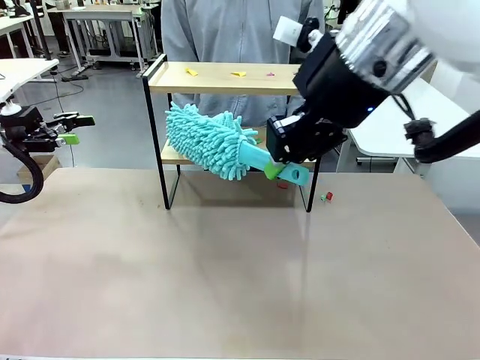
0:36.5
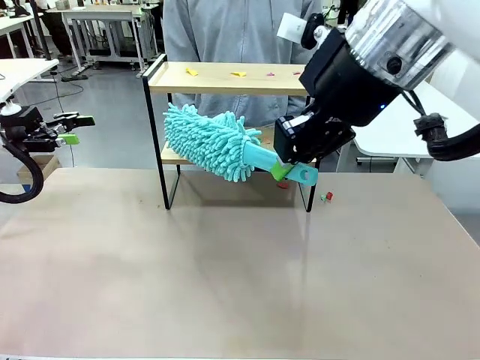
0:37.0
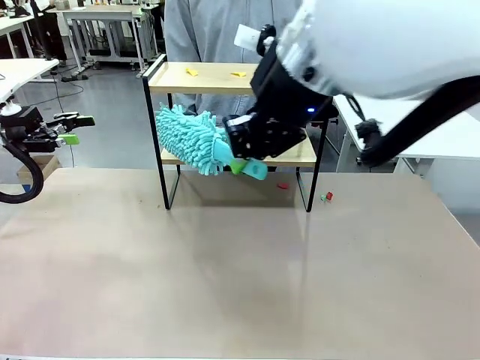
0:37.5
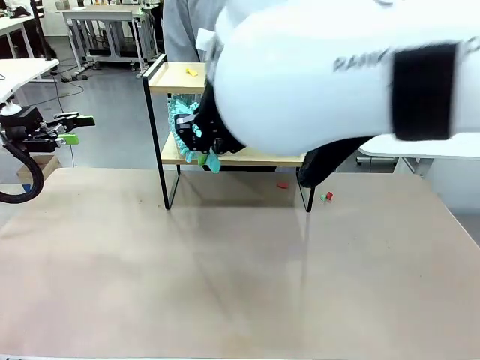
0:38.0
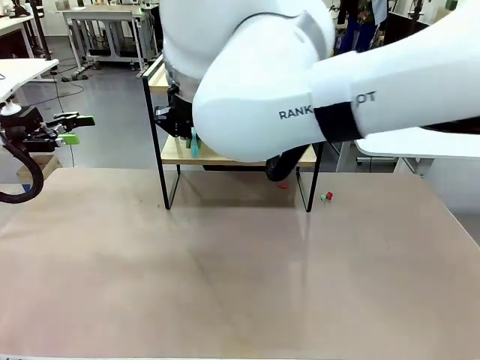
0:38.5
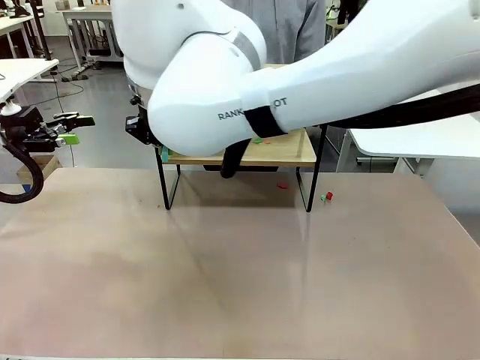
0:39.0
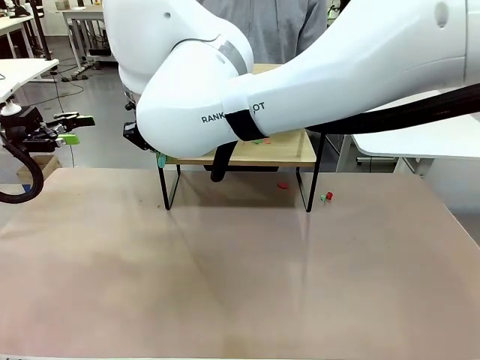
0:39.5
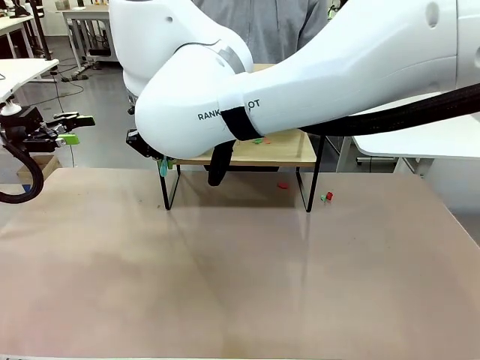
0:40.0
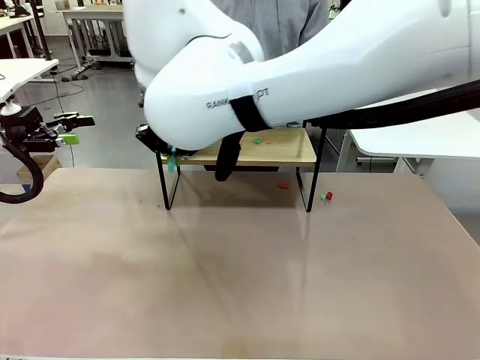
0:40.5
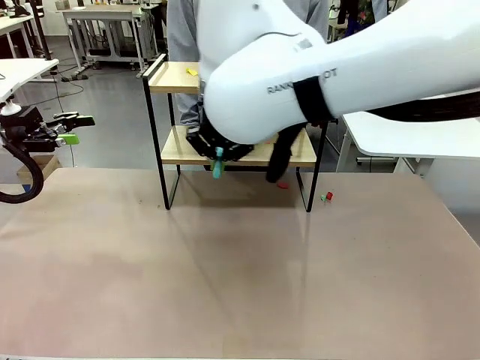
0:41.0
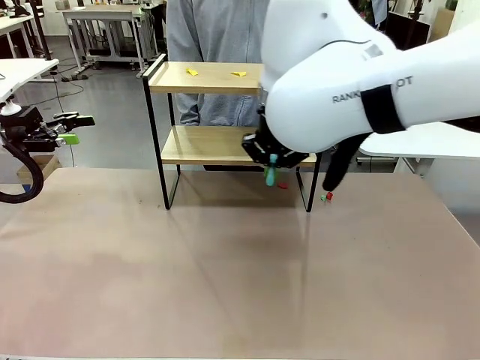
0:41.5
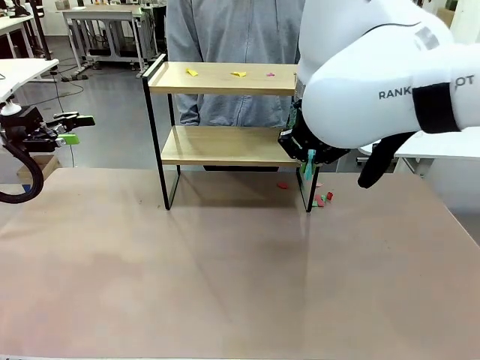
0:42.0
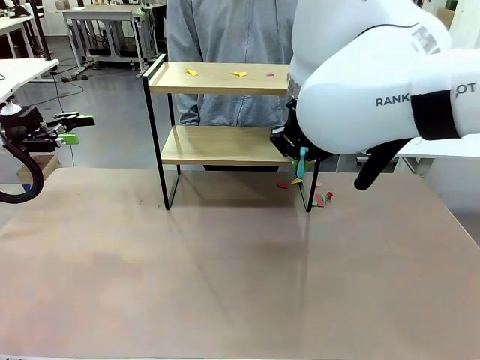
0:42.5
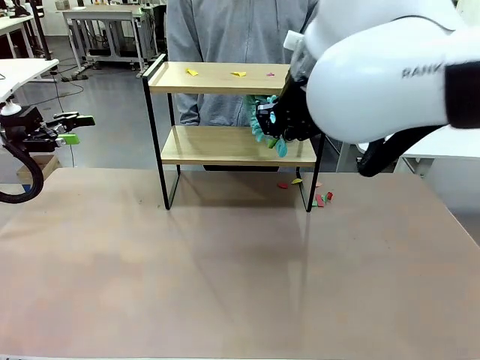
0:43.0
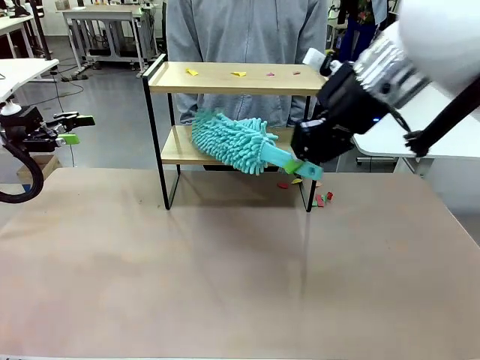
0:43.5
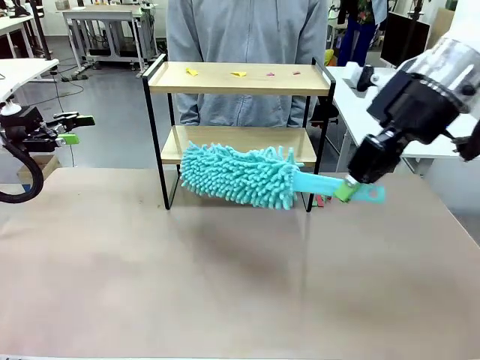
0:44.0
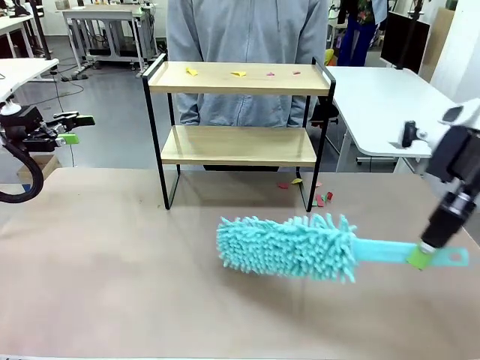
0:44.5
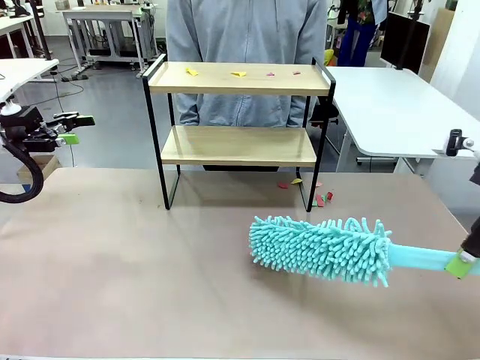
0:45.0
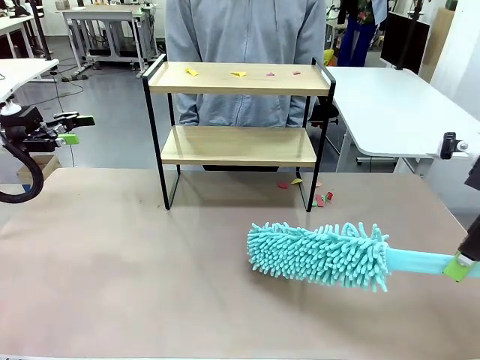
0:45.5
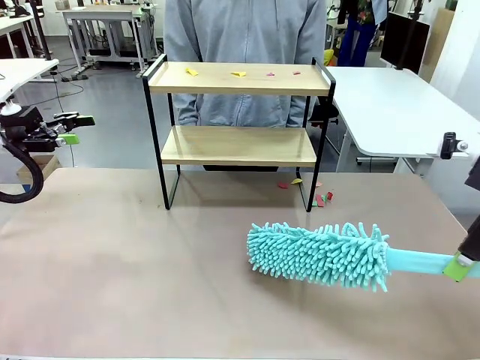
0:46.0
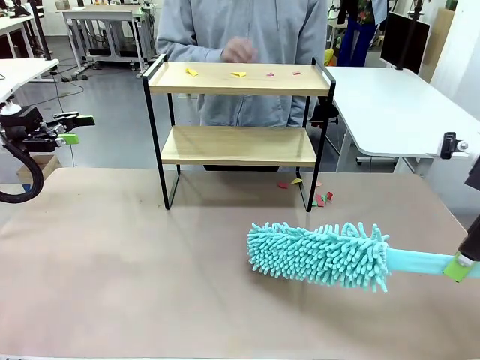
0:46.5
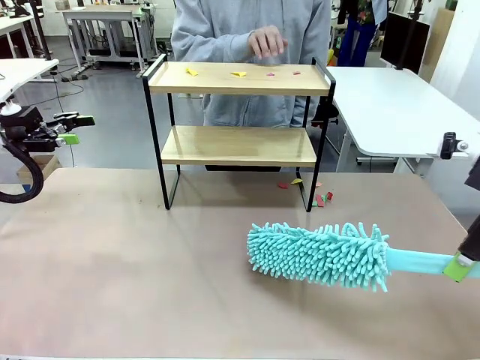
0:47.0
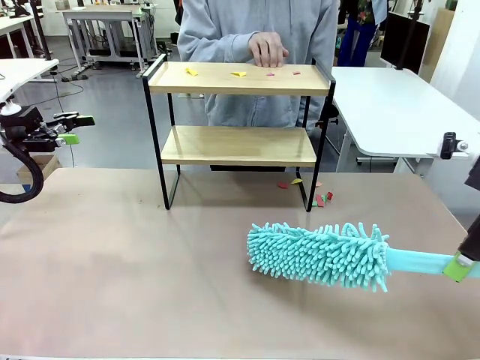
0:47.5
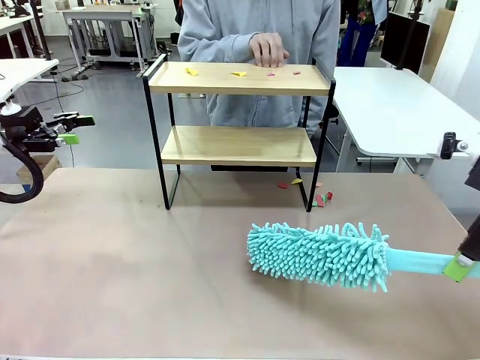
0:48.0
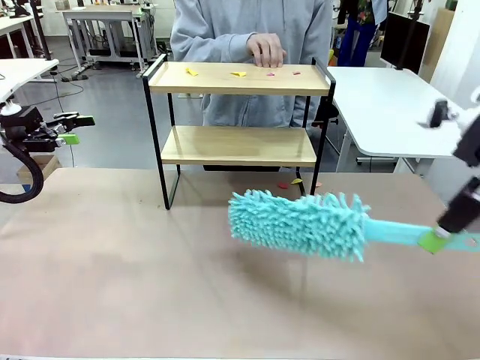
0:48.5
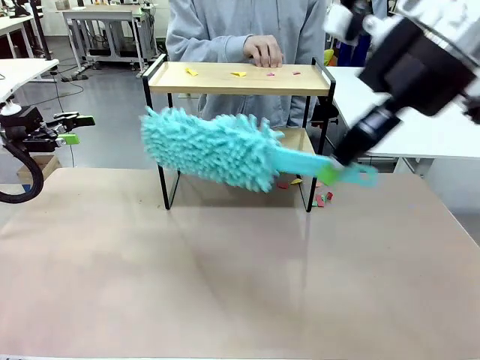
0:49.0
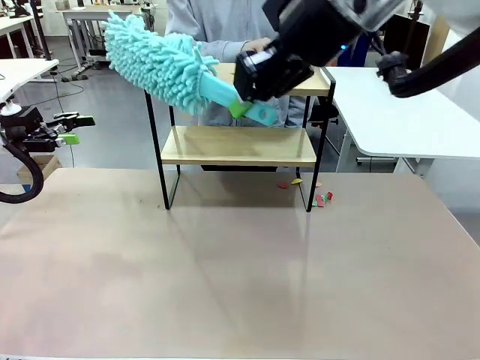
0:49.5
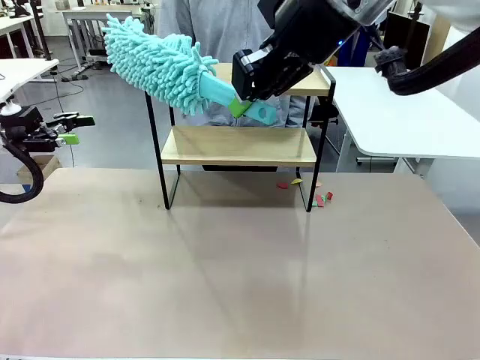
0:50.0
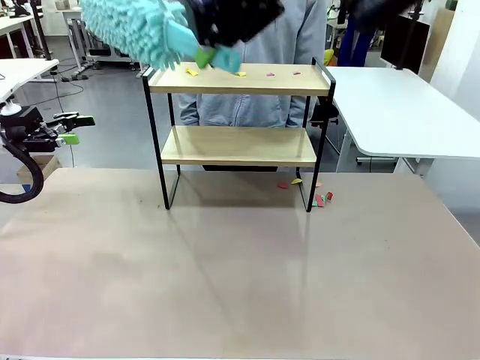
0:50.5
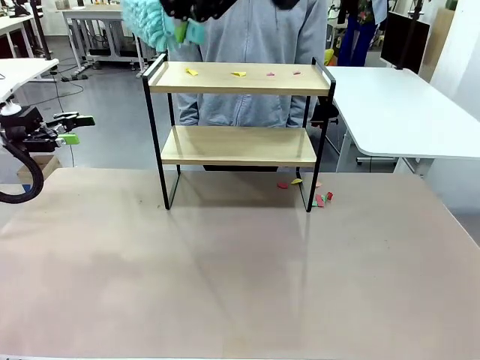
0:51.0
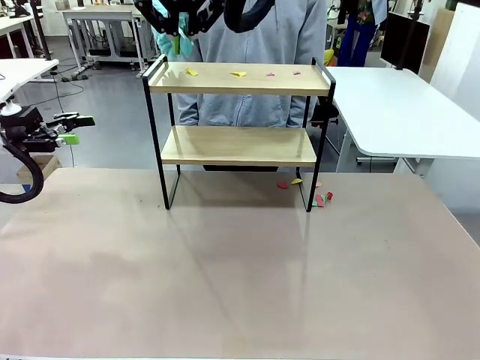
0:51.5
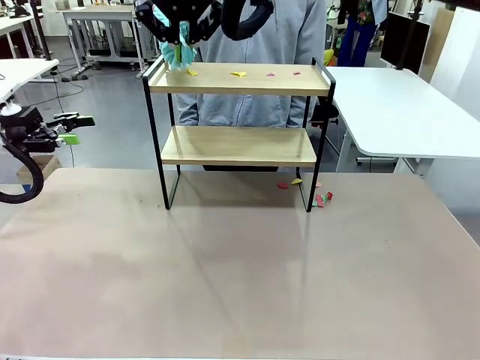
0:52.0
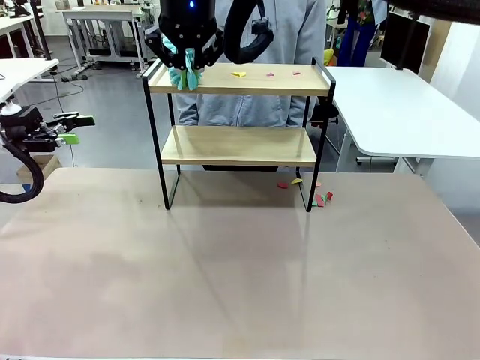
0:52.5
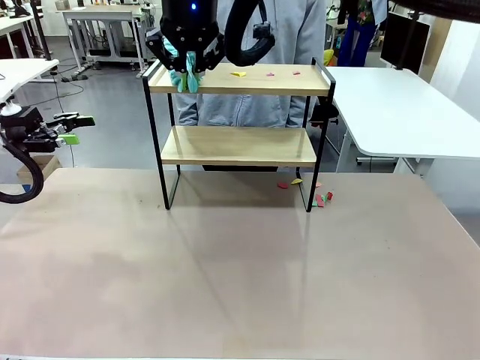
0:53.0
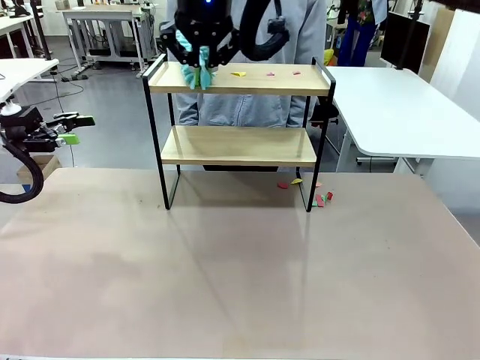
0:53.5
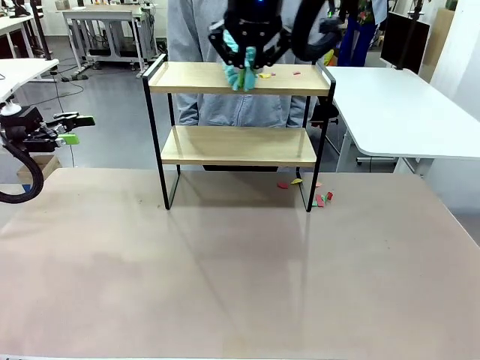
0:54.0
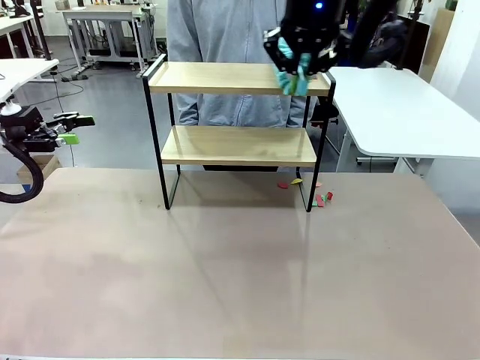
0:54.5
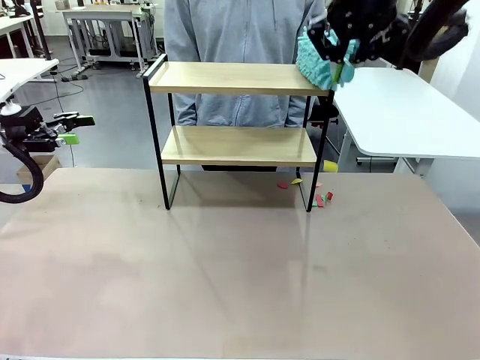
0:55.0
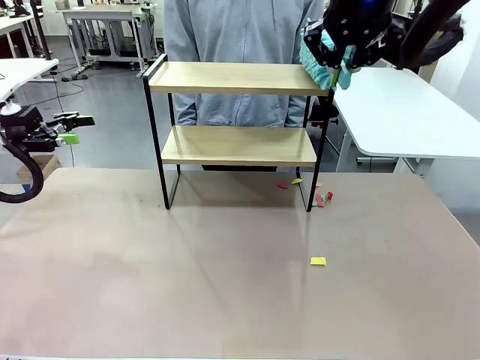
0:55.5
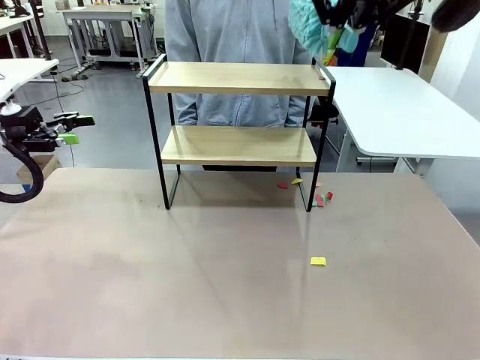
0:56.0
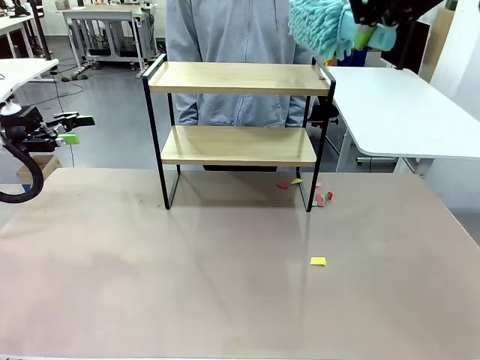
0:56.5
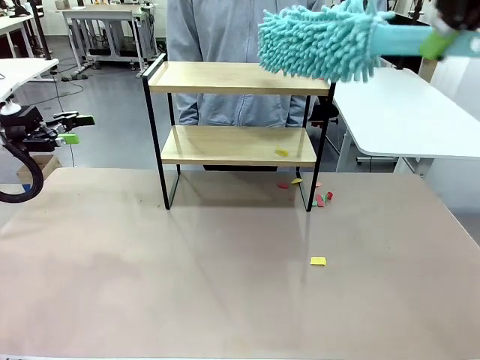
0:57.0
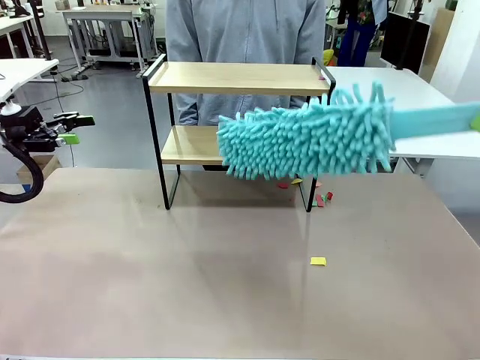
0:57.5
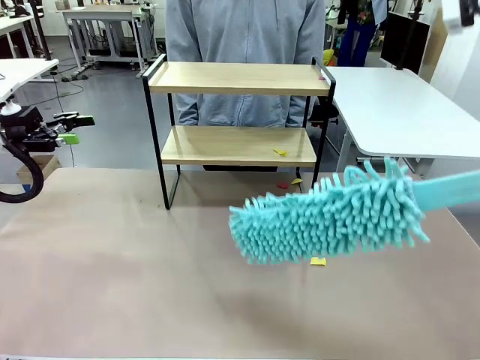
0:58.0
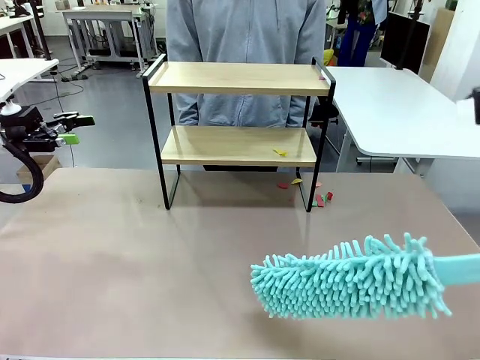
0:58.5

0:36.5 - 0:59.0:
Task: Clean the shelf.
Robot: Clean the specific section of the Shelf indicated by the human with the Duster.
Person: Point a remaining section of the Shelf.

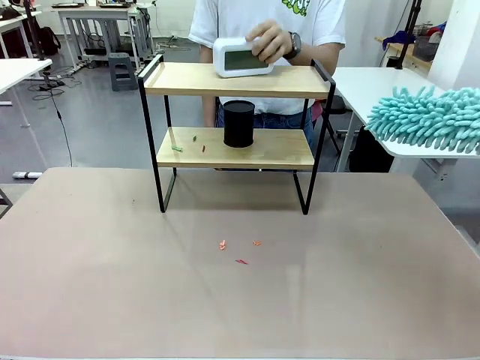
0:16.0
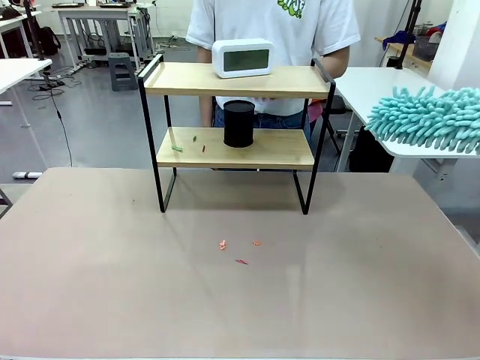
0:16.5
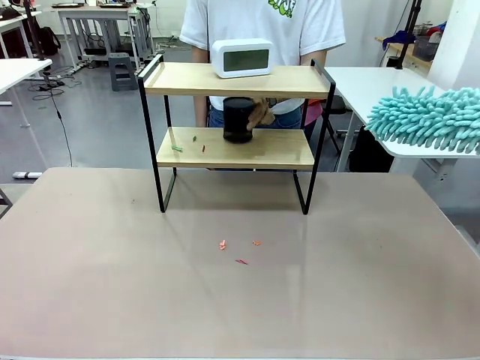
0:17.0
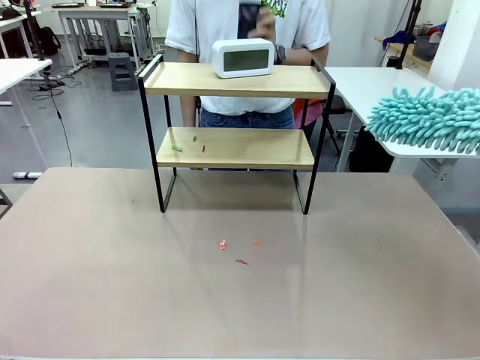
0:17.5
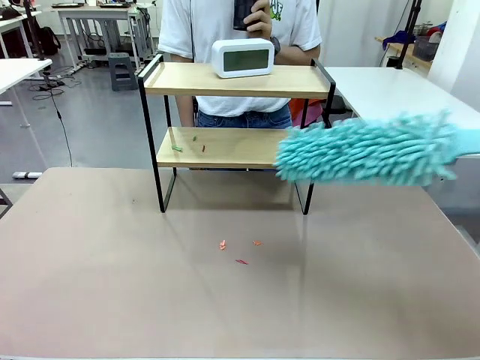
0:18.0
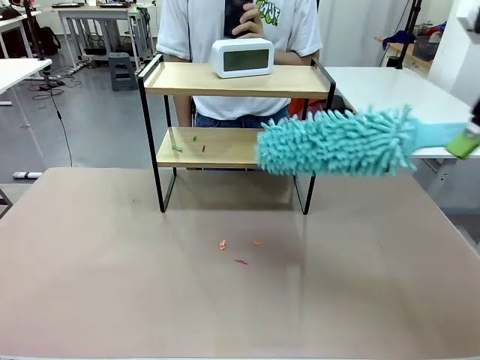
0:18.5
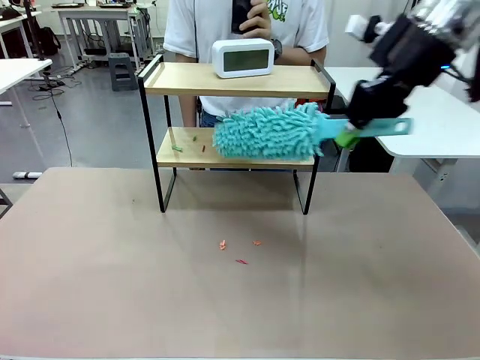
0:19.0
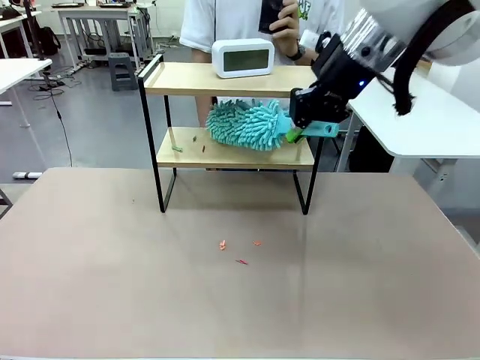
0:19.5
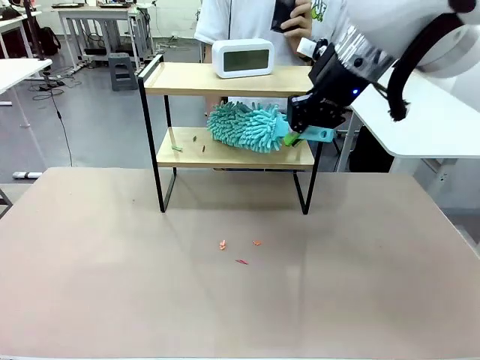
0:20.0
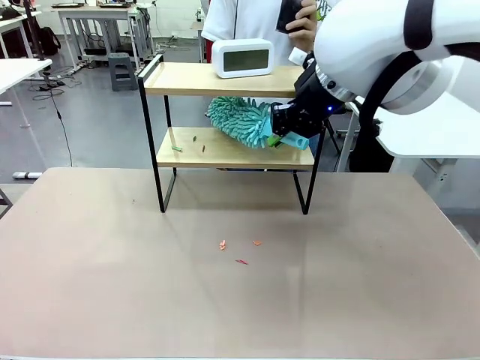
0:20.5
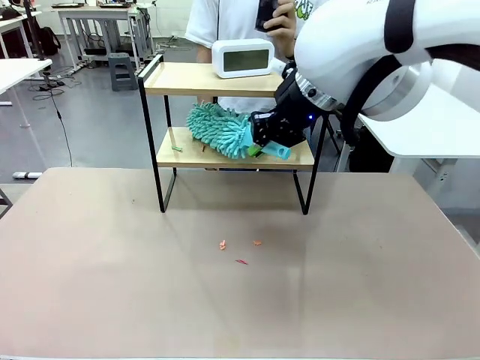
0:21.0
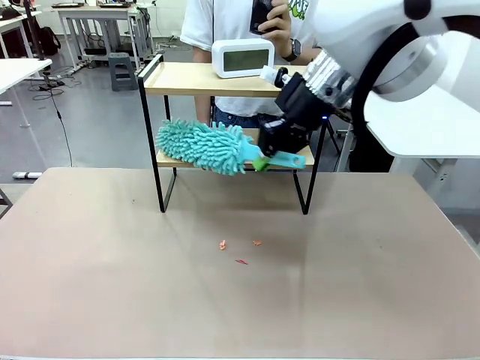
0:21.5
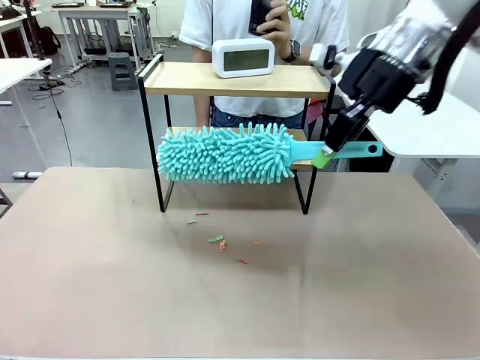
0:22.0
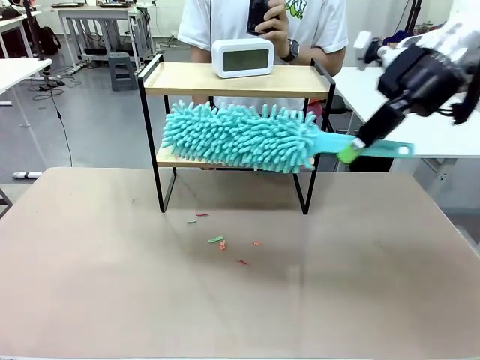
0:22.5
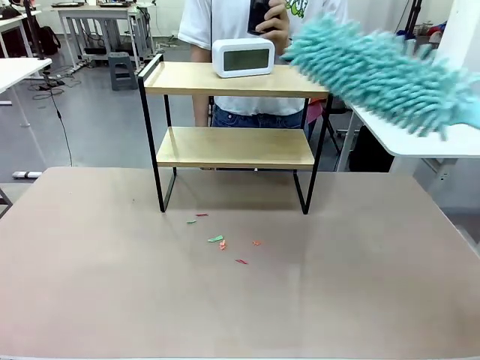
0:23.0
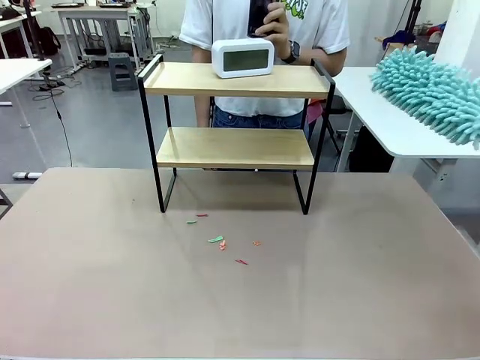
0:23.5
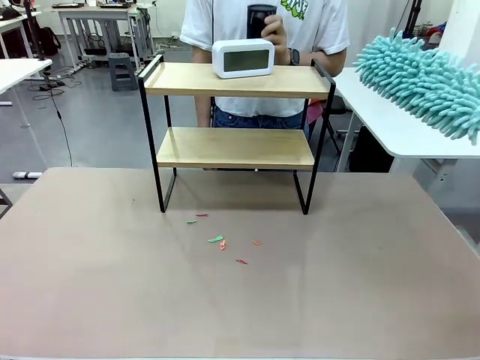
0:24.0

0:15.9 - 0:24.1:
Task: Clean the shelf.
Robot: Clean the remaining tier of the Shelf with the Duster once objects are removed.
